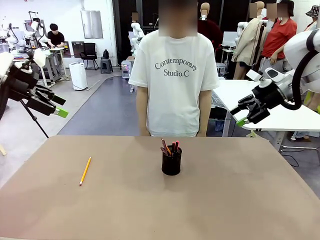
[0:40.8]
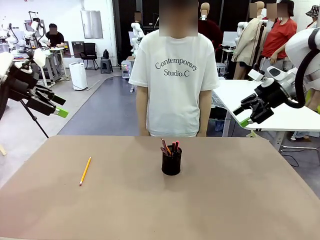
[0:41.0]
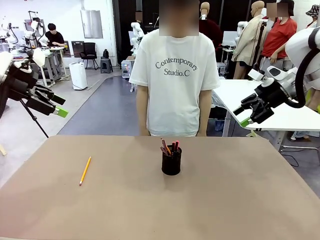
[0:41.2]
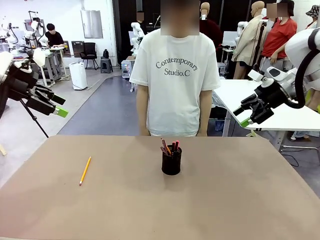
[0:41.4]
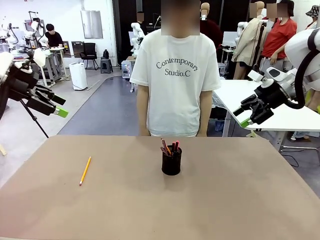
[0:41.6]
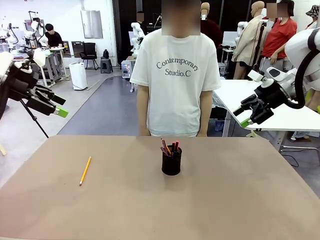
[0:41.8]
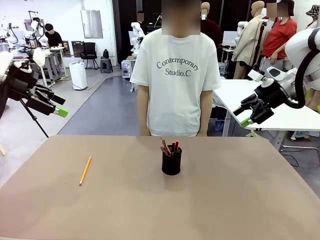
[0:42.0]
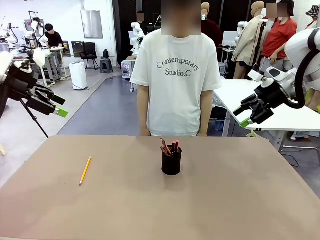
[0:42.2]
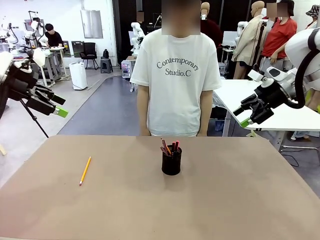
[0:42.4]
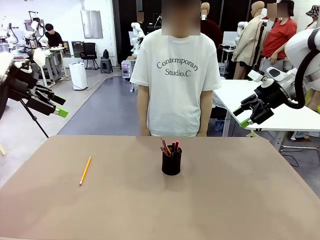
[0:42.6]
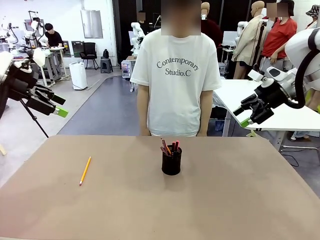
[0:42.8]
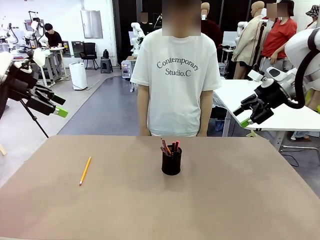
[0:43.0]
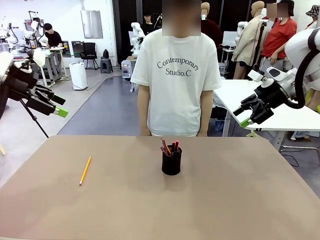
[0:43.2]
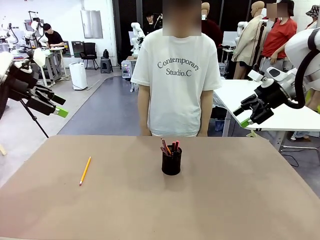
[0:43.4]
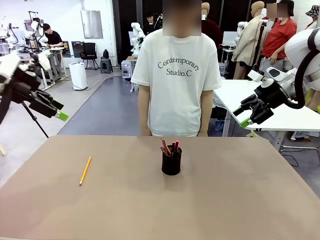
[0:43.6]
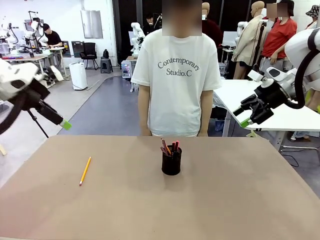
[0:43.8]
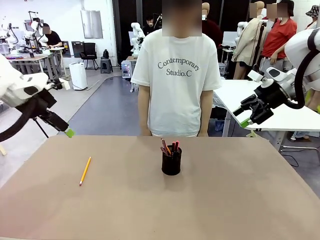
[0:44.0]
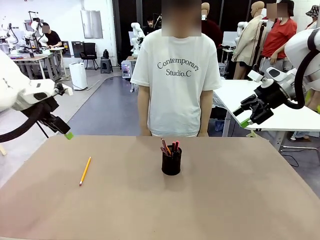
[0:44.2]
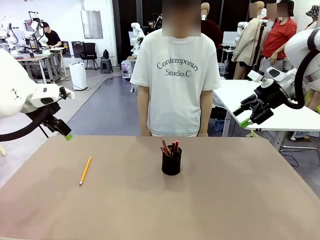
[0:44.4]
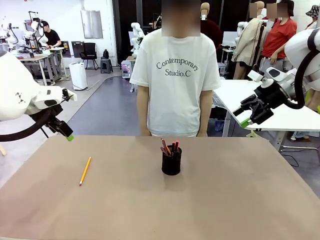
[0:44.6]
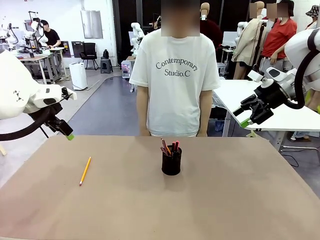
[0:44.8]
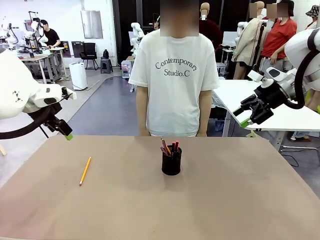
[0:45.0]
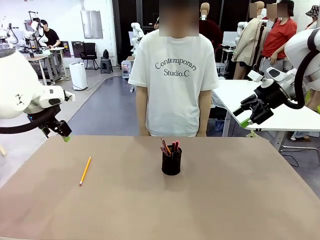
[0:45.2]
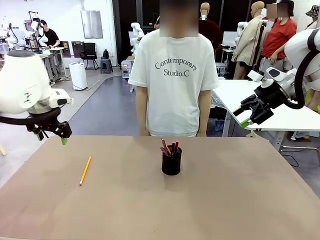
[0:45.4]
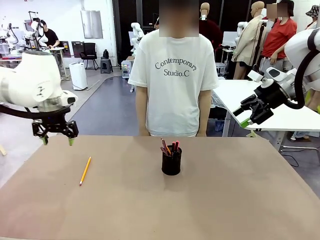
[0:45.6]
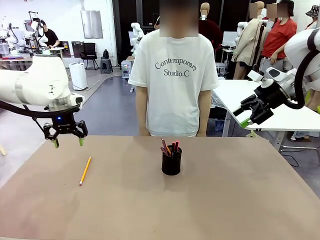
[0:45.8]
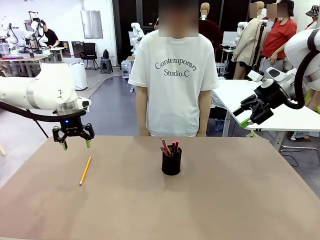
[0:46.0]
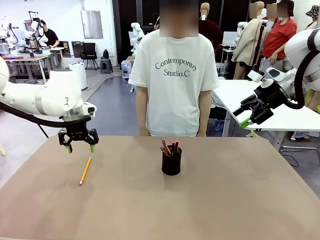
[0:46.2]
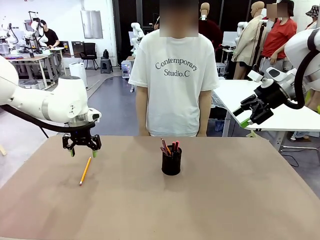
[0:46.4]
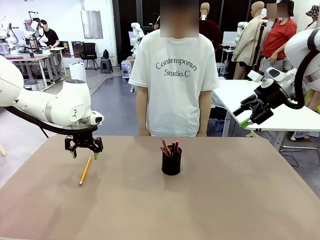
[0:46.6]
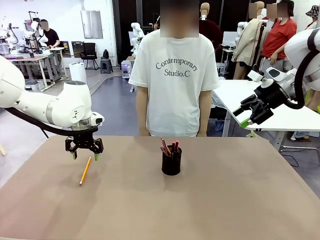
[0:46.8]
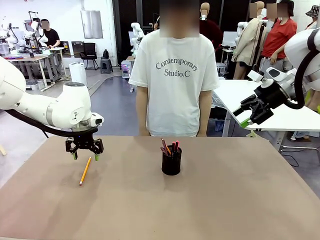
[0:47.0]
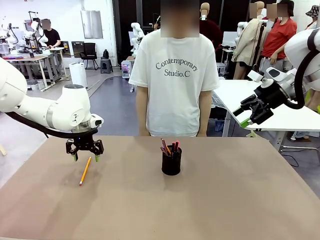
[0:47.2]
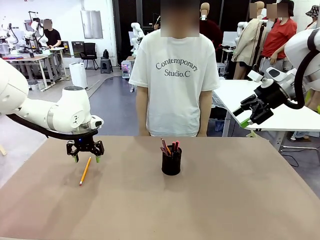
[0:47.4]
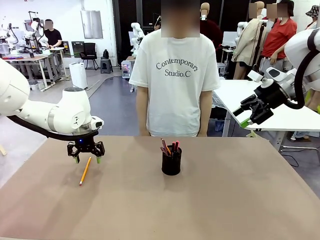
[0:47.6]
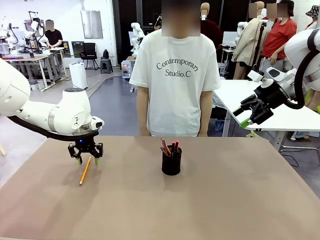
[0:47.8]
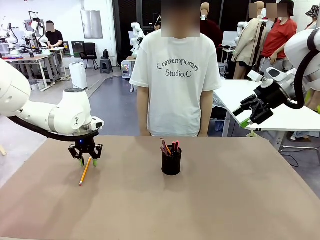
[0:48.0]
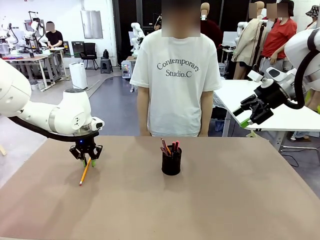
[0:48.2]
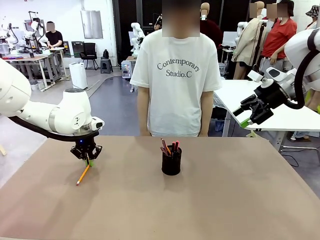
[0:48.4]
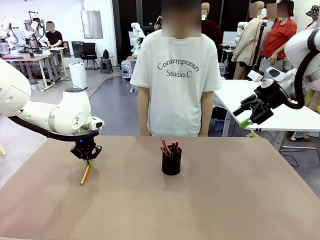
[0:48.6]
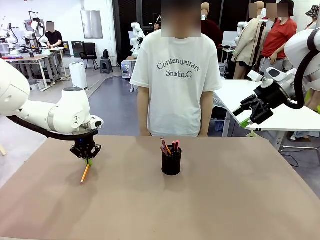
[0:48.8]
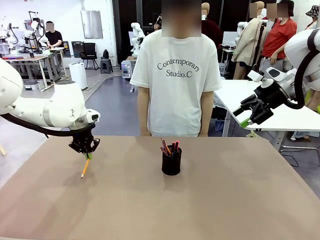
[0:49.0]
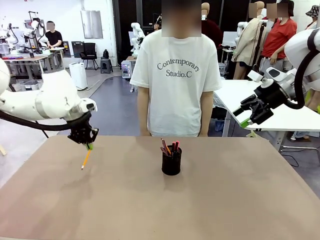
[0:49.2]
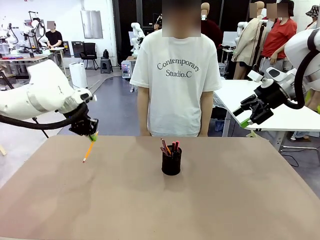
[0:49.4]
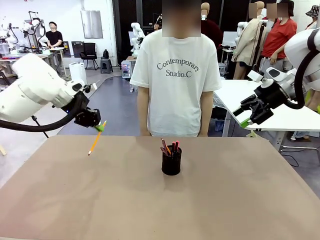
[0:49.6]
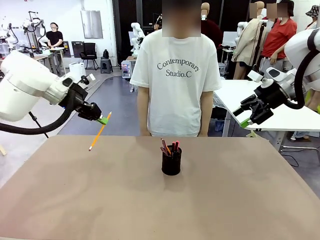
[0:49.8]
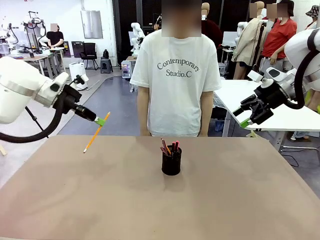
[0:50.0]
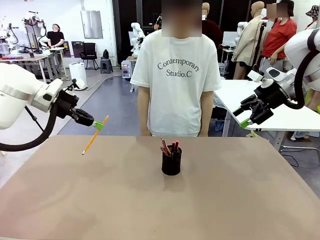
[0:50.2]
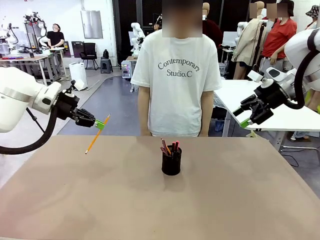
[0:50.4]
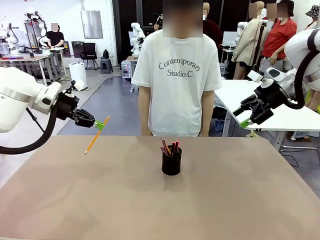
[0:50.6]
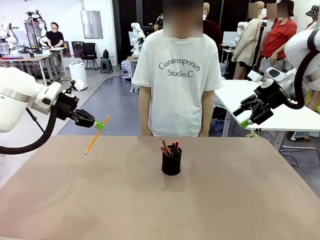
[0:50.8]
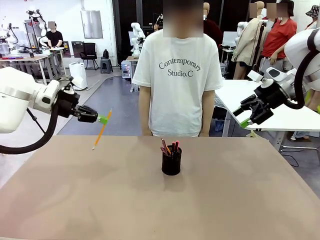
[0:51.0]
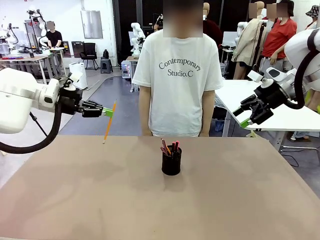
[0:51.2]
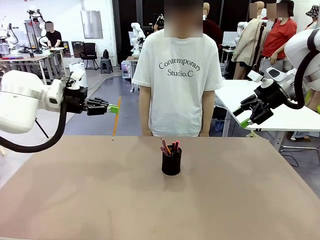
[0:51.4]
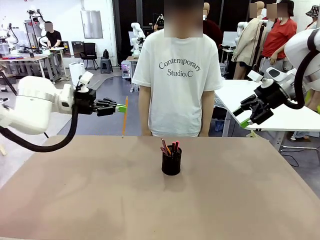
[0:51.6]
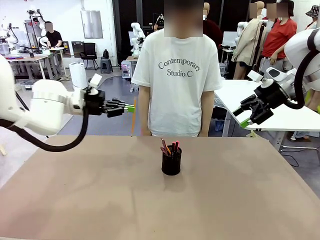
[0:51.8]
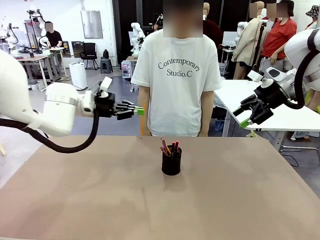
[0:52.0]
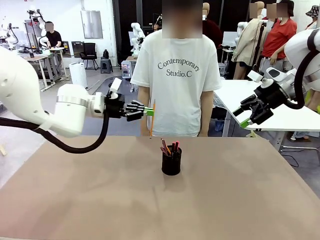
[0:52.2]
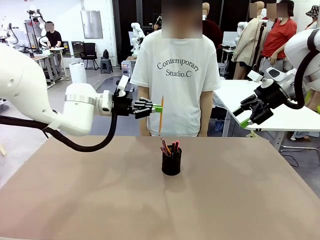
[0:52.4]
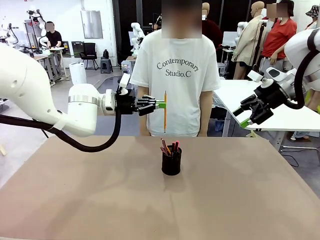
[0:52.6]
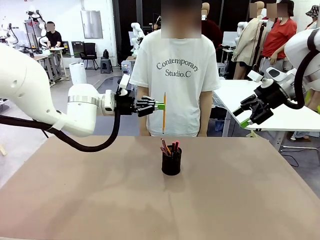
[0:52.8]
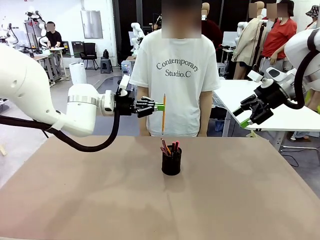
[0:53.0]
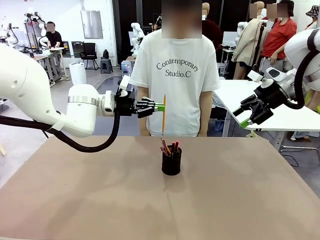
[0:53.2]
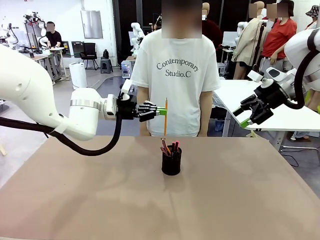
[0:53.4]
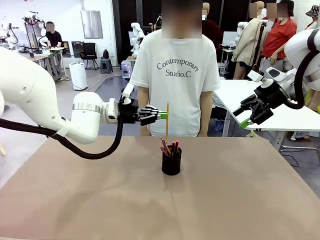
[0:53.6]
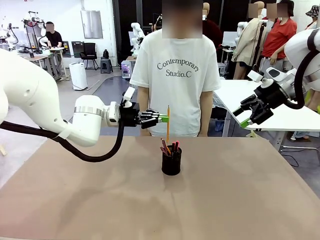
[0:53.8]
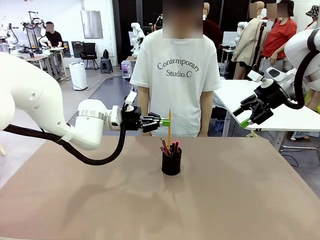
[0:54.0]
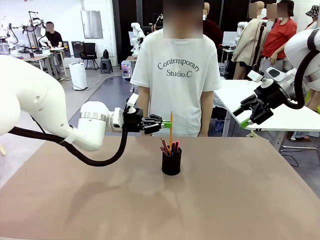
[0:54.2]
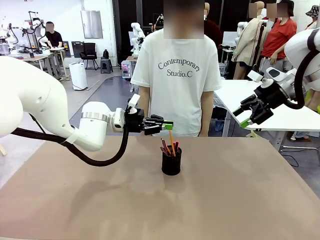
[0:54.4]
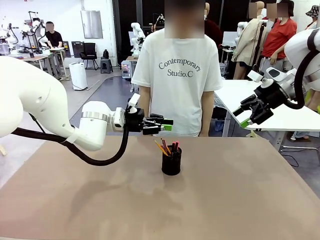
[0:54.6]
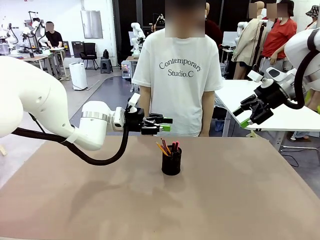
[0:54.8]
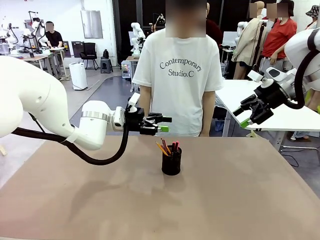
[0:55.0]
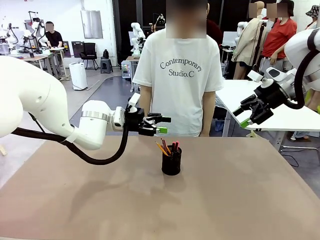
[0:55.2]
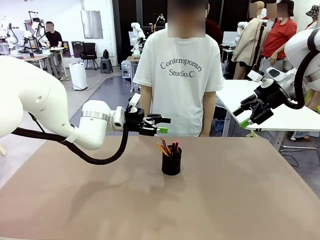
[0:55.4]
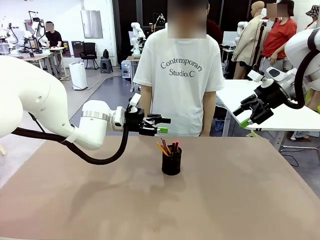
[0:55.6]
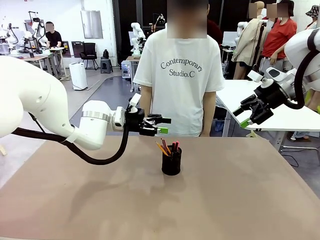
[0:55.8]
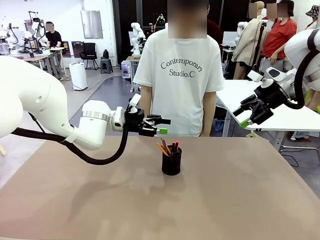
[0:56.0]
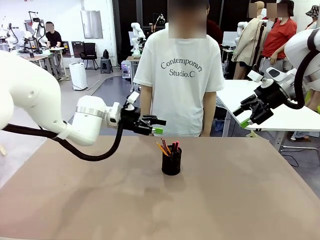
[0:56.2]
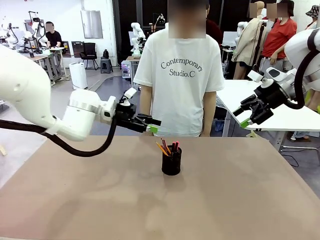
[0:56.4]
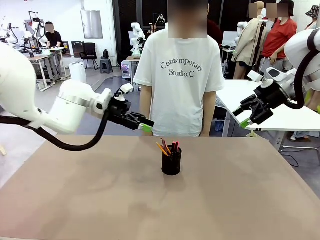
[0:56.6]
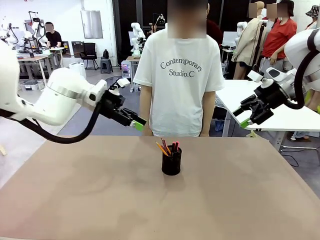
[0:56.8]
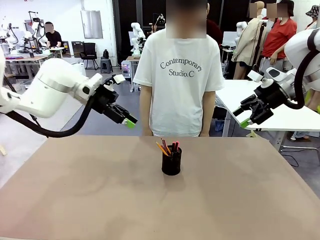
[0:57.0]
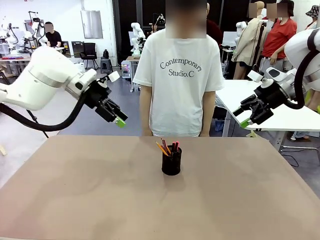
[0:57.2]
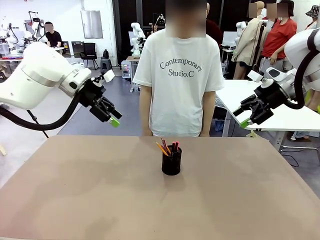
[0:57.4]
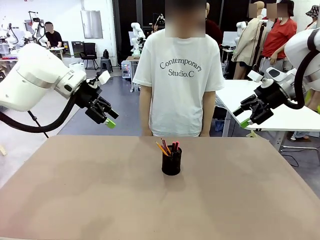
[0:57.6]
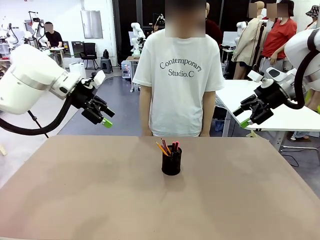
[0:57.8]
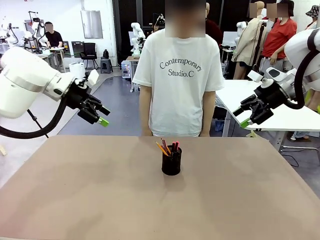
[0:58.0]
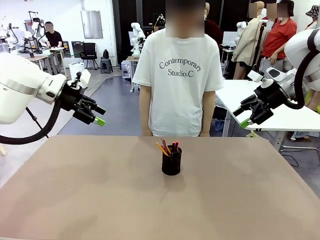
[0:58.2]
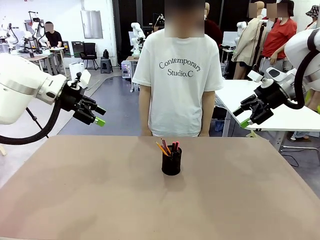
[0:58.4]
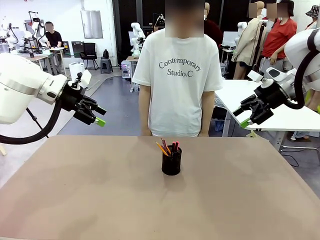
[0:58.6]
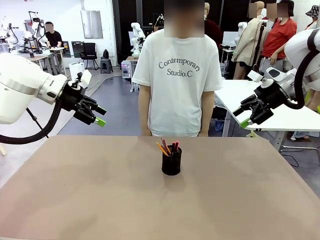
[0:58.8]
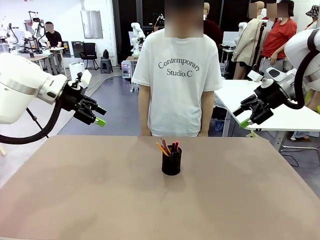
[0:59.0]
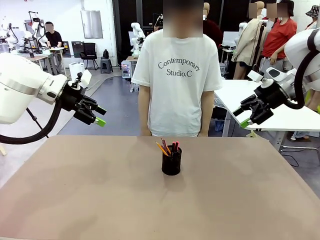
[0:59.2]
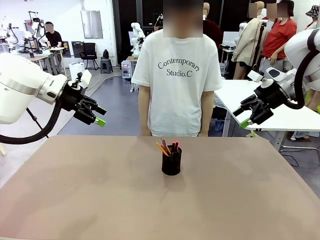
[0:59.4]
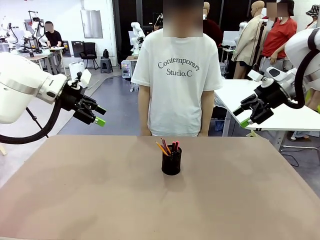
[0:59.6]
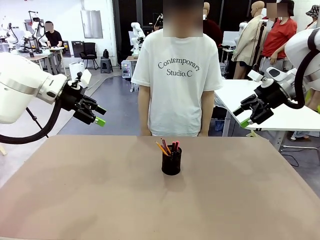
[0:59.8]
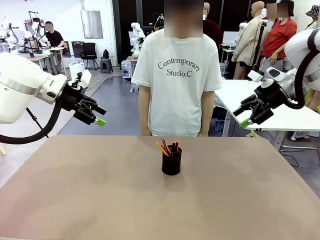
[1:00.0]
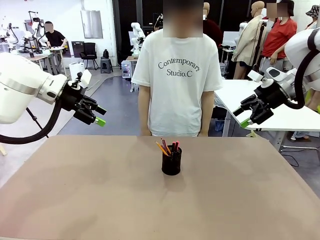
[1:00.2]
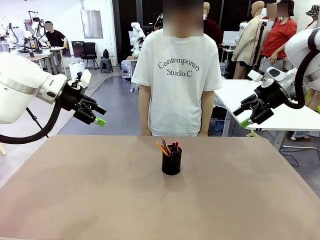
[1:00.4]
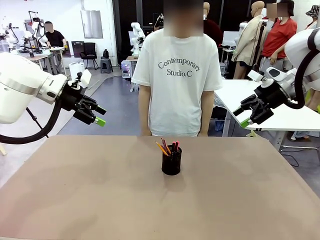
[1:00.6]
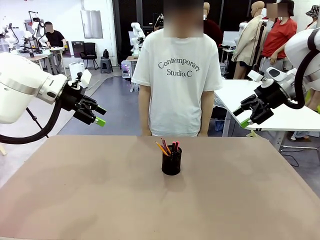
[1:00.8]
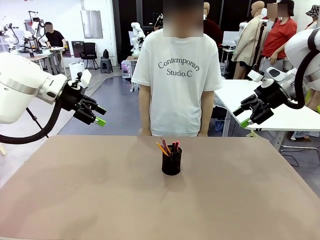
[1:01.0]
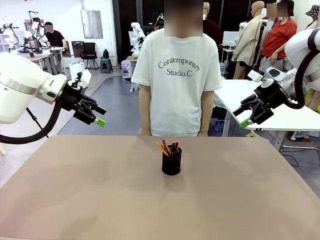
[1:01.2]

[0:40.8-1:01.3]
Task: Place the pens into the pen holder.
Robot: Pick up a writing instrument from the table and place it into the Pen holder.
